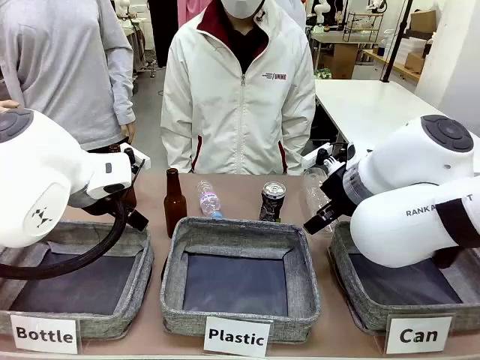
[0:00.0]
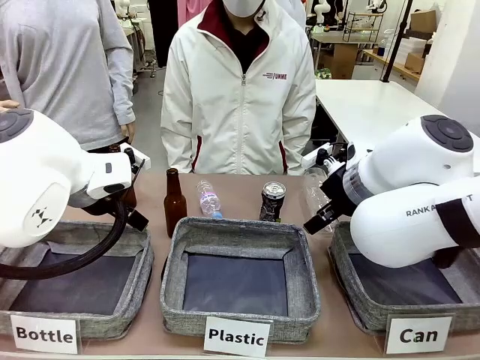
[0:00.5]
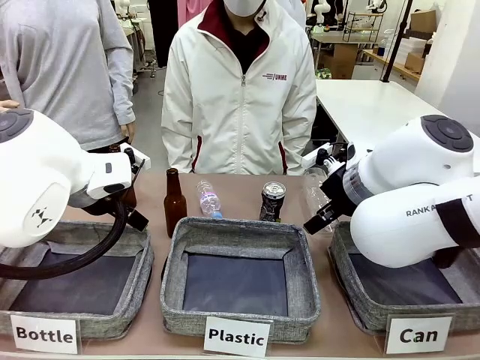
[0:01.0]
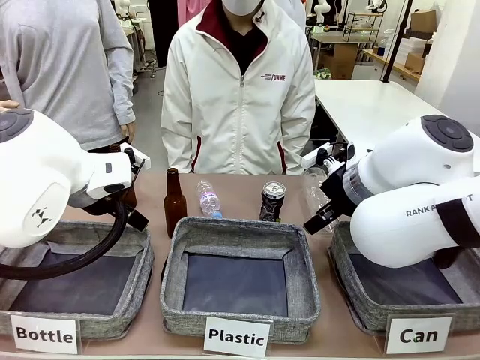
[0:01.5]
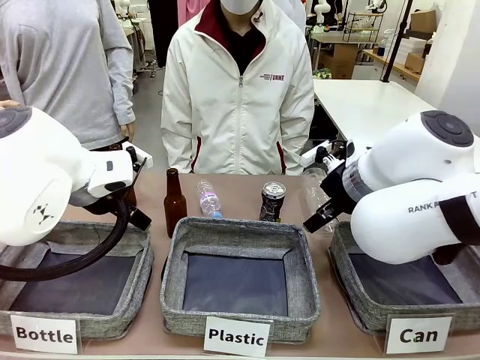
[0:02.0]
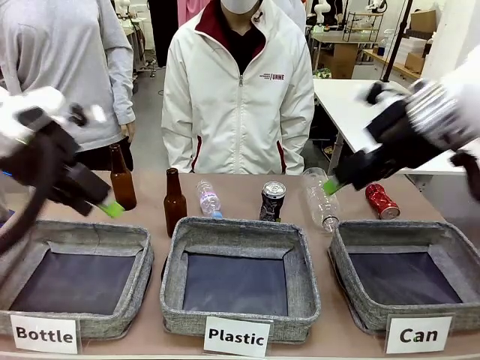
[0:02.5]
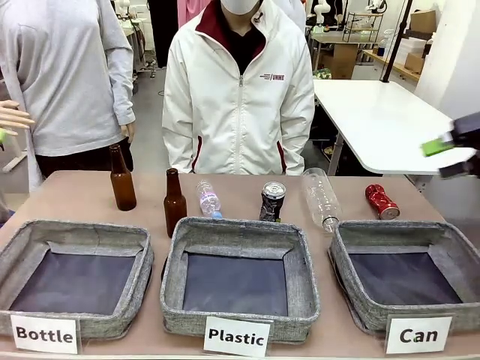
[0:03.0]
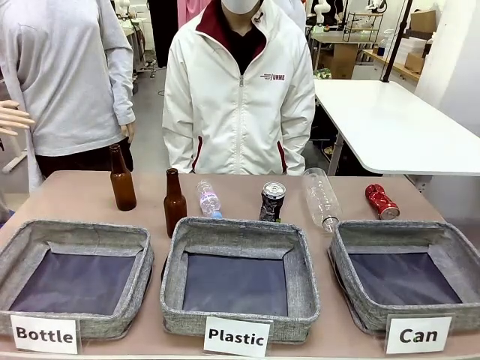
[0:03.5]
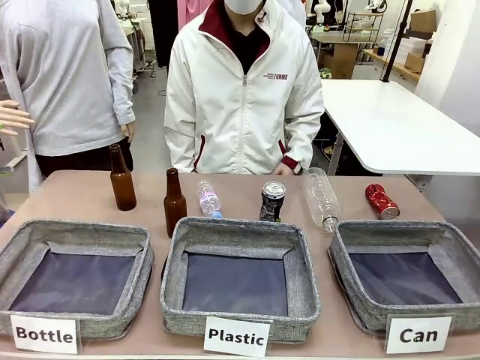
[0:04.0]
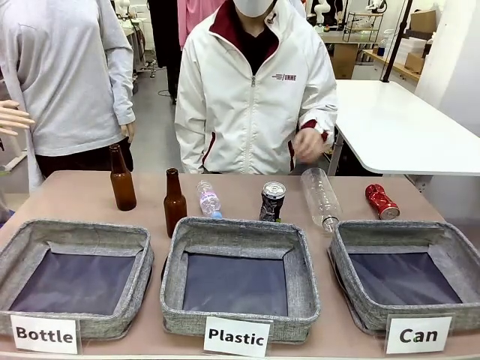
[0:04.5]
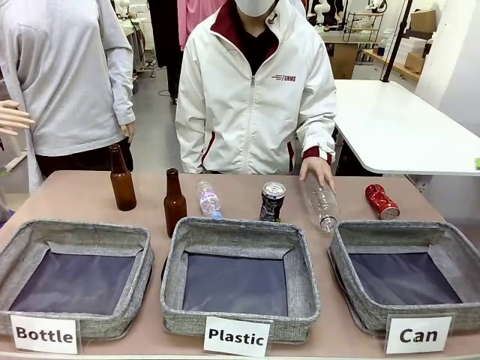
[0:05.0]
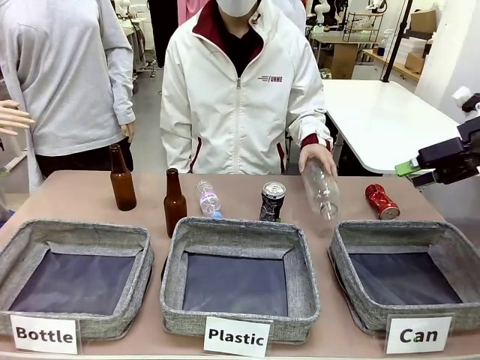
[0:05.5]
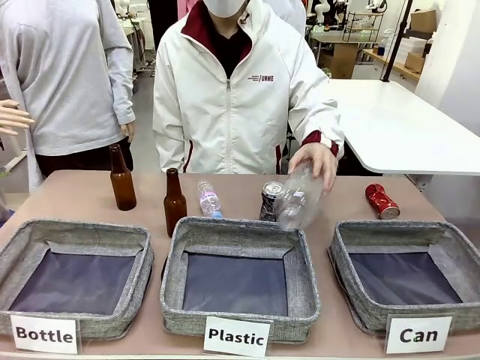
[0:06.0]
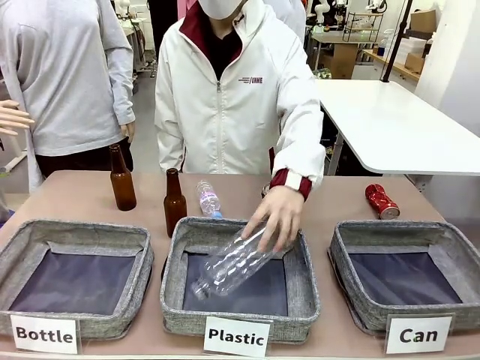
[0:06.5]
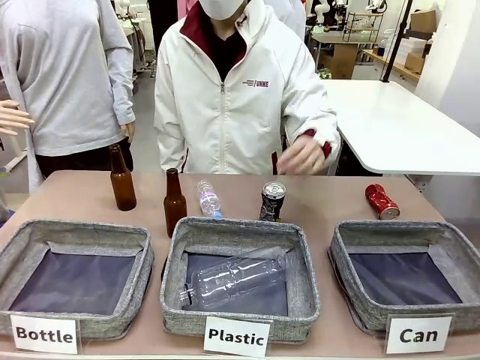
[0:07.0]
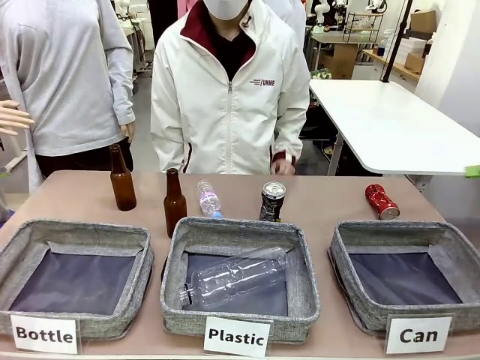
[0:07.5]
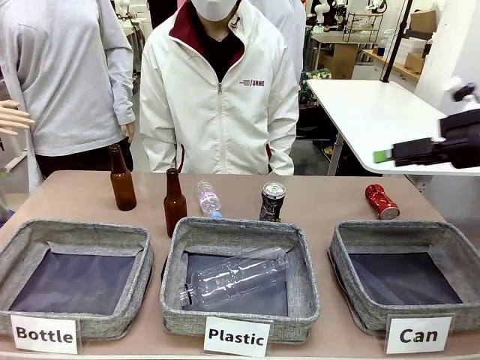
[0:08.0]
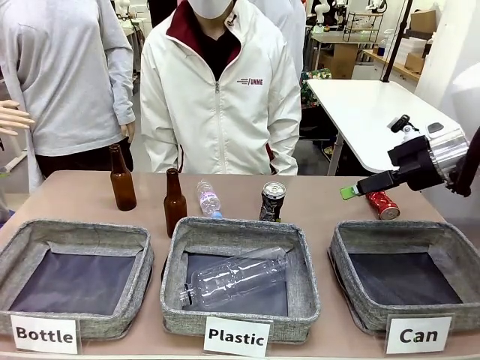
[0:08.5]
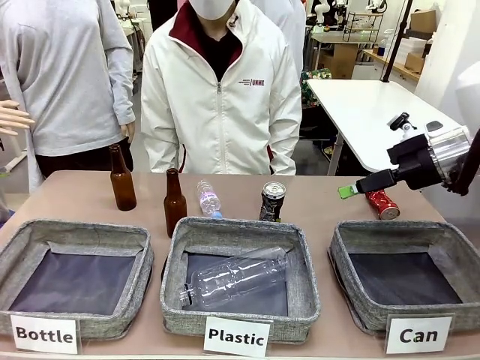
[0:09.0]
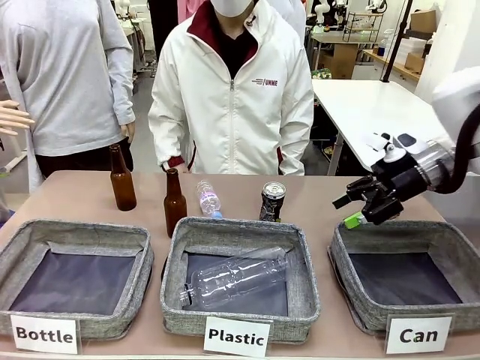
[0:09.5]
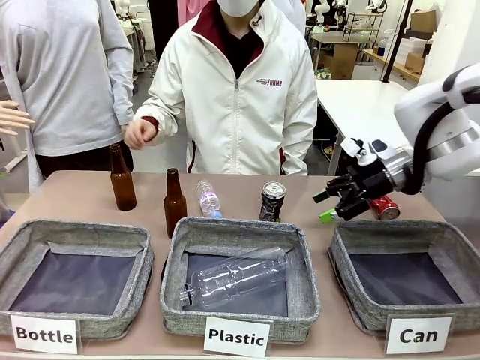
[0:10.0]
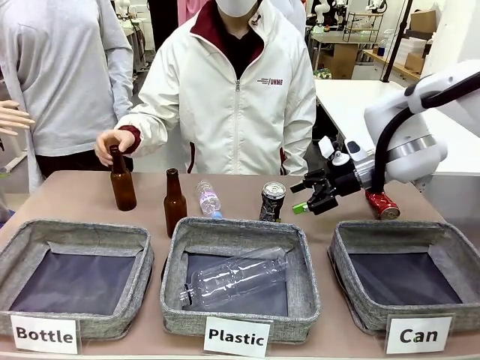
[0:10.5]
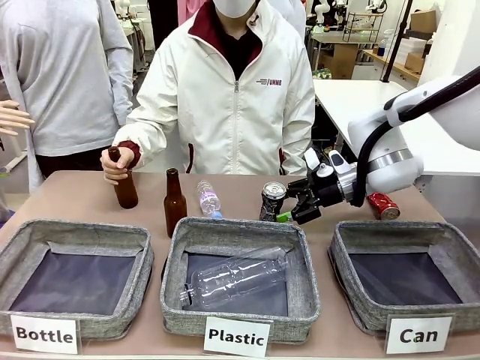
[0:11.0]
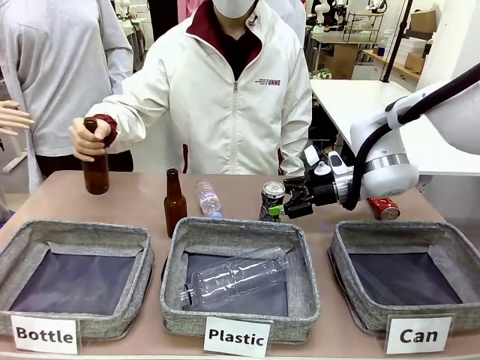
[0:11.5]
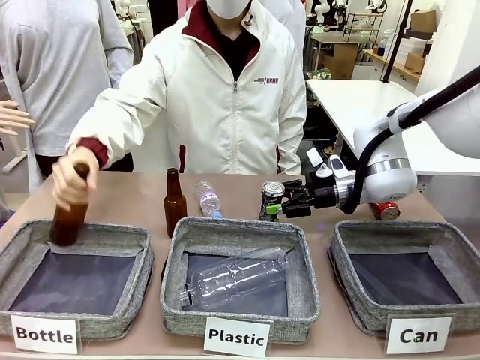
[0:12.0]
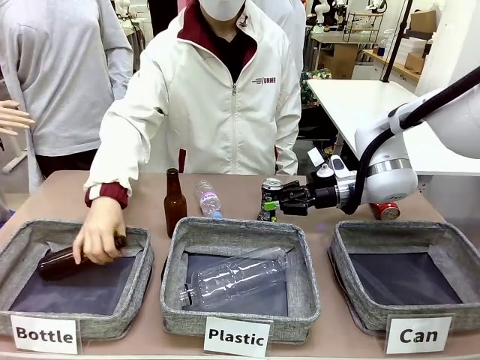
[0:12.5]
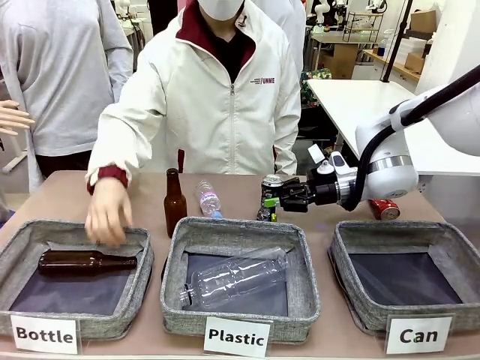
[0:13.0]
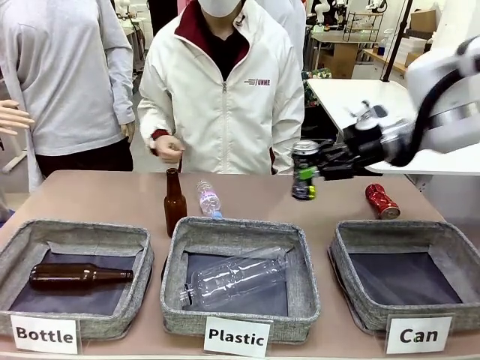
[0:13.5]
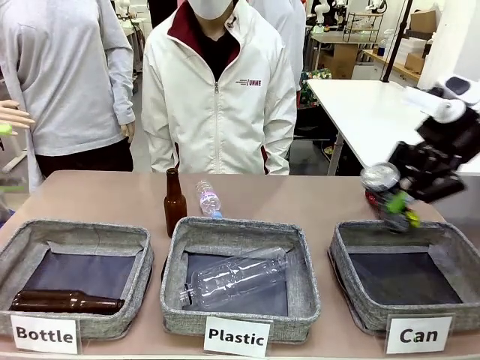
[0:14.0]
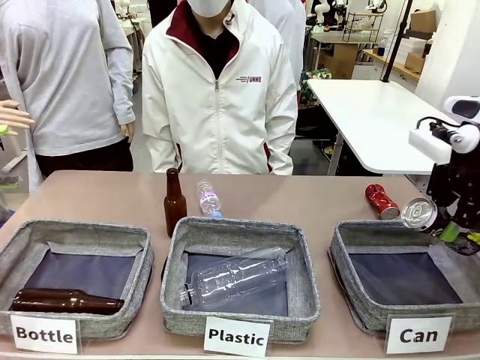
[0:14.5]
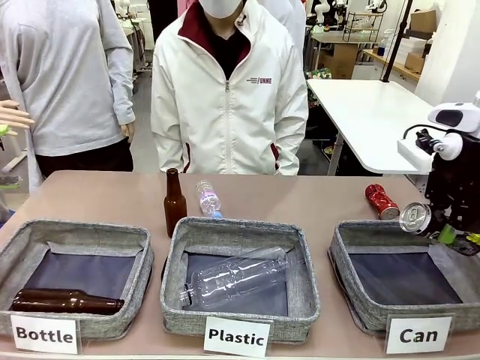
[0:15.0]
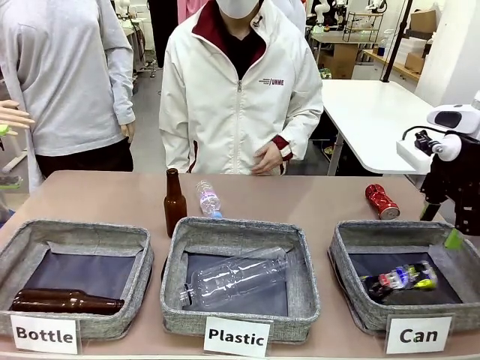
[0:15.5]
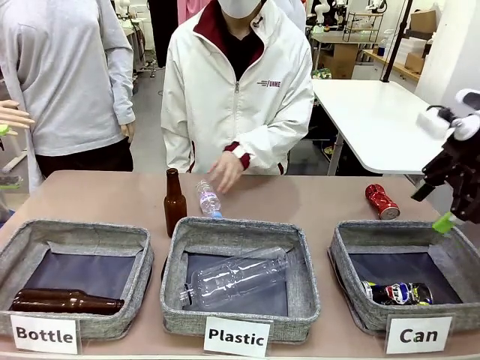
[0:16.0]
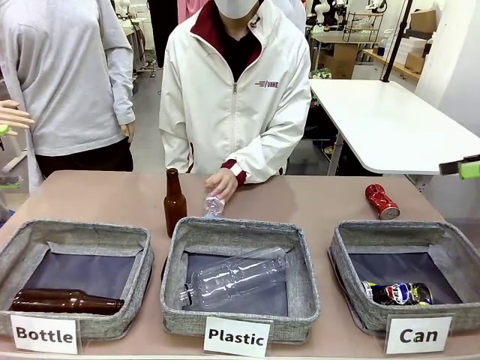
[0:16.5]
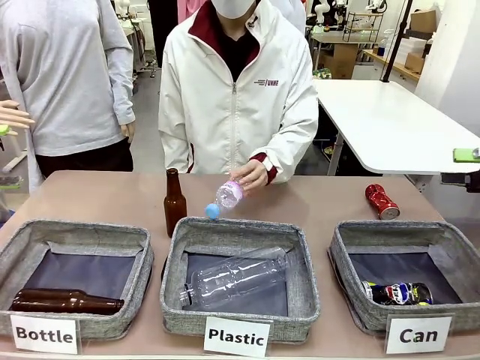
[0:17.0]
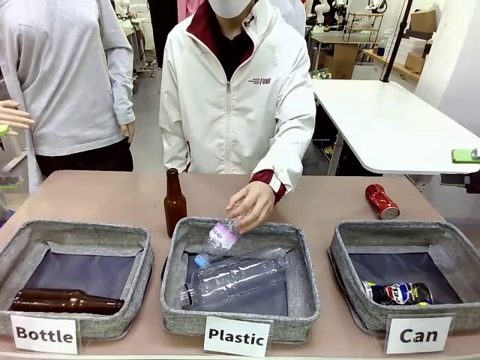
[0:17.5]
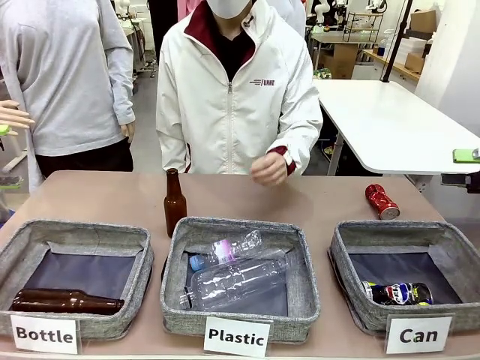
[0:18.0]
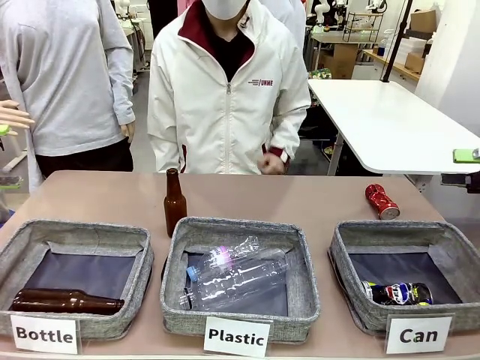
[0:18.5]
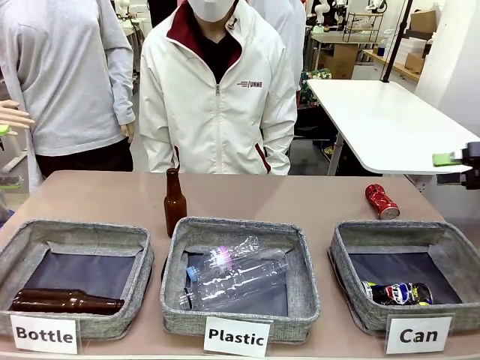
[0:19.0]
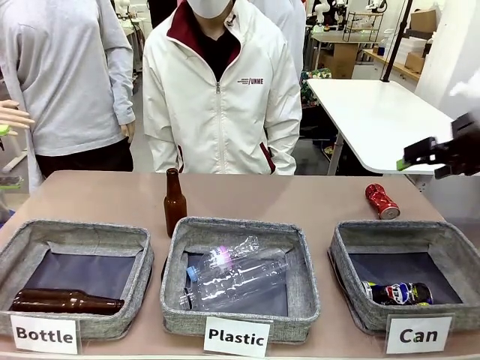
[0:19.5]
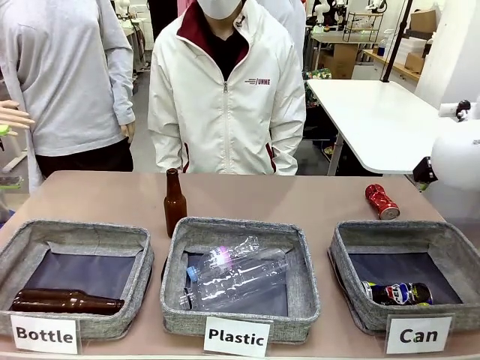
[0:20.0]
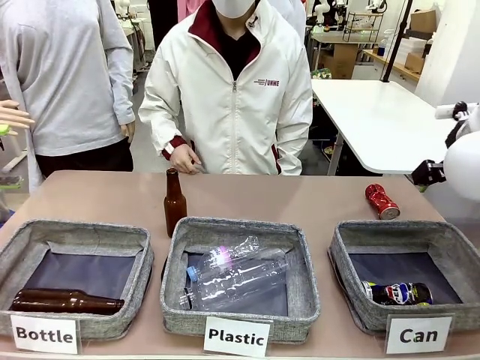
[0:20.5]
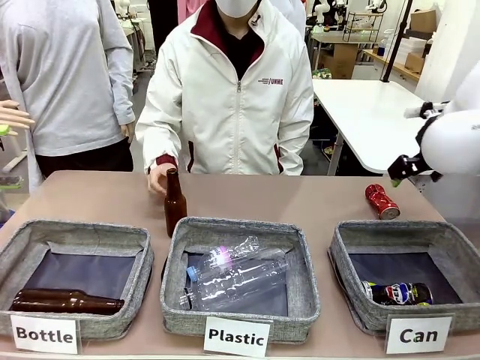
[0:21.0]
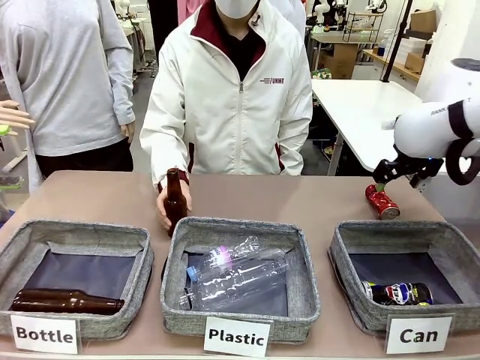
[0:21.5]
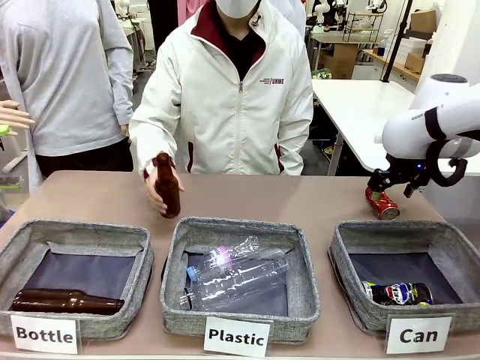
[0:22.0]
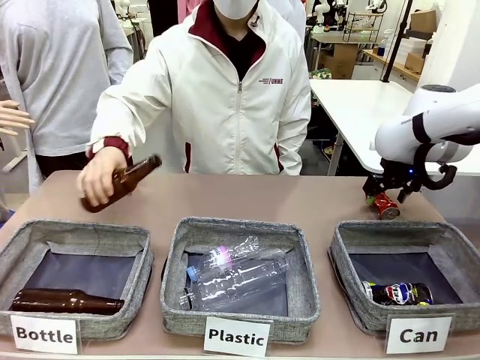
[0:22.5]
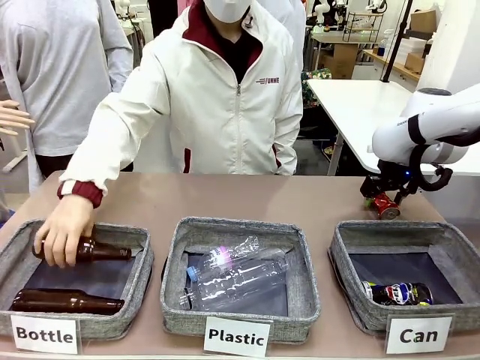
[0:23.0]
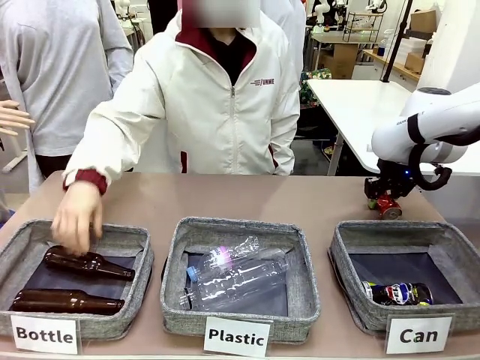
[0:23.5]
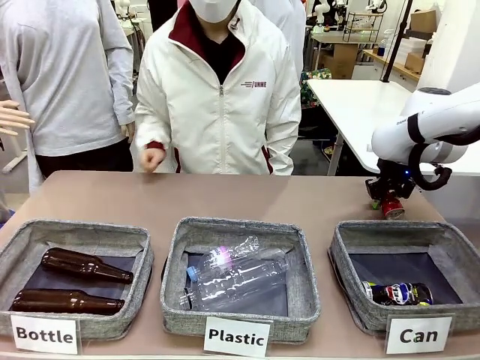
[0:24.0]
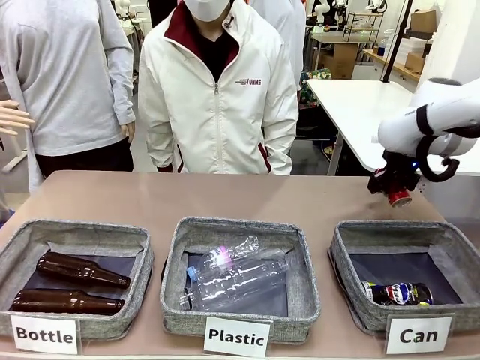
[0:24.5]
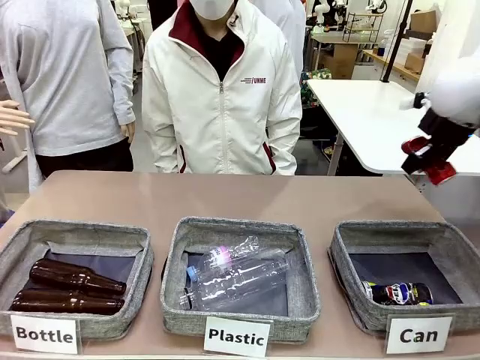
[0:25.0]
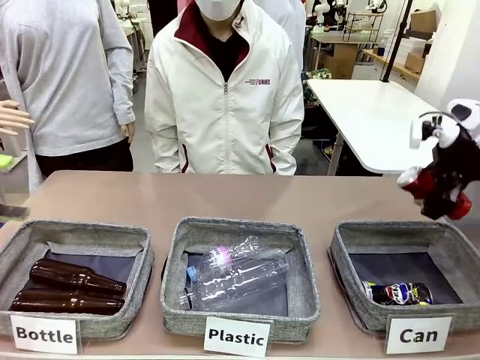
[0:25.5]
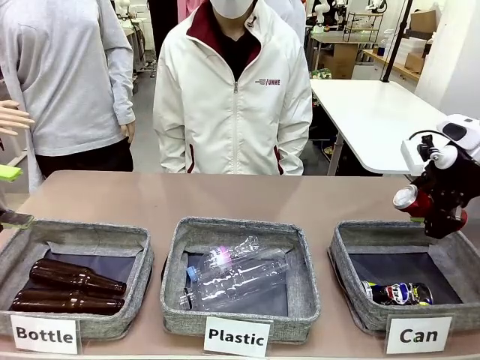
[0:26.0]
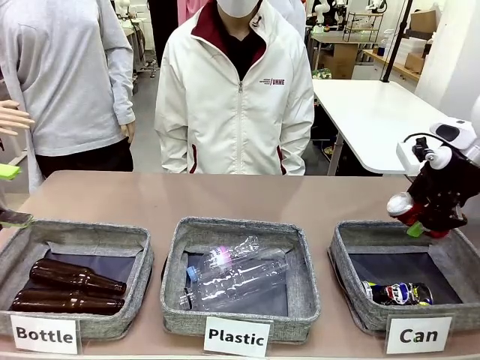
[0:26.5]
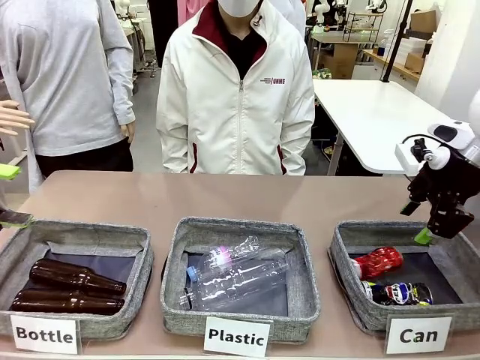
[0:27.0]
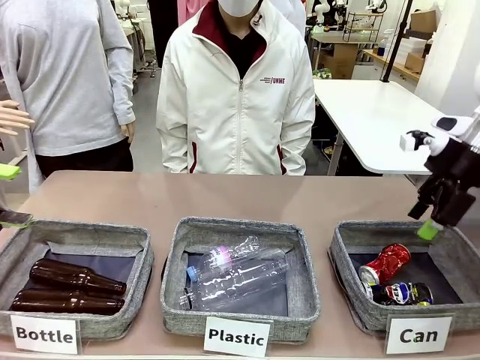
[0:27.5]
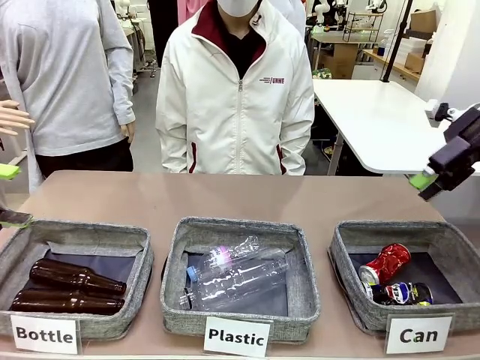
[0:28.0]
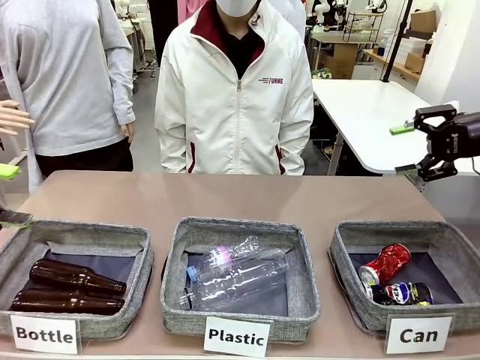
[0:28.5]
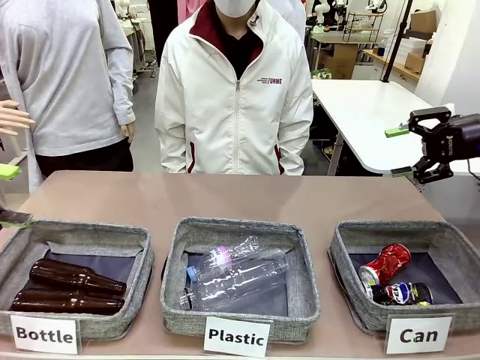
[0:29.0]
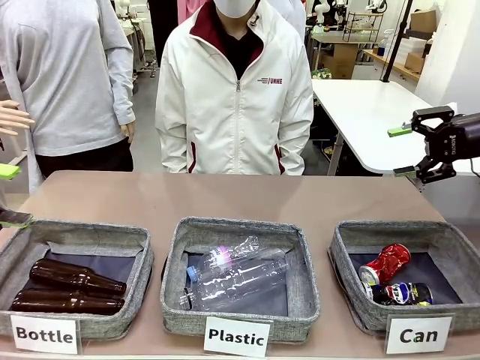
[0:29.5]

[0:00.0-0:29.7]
Task: Sort the can waste into the basket.
Robot: Pick up the can waste from the table and place it in the right Fabric basket.
Person: The human picks up one piece of trash that is not a can and places the trash into the appropriate organizing basket.
